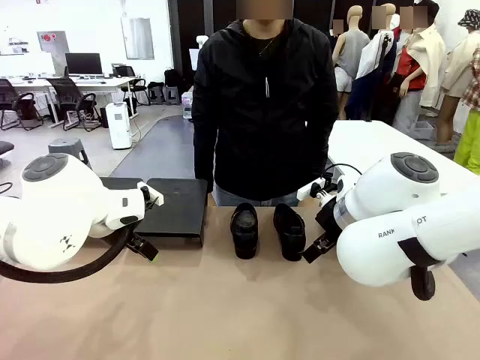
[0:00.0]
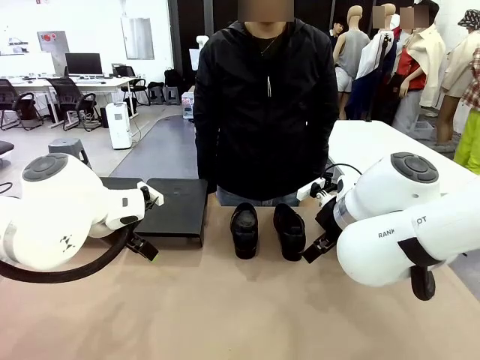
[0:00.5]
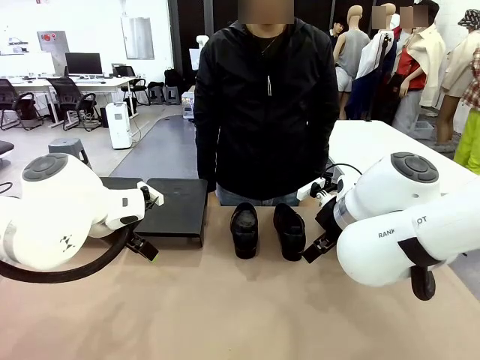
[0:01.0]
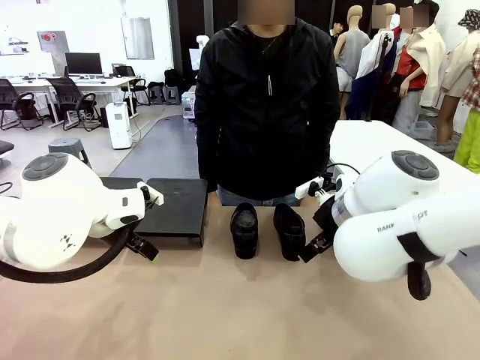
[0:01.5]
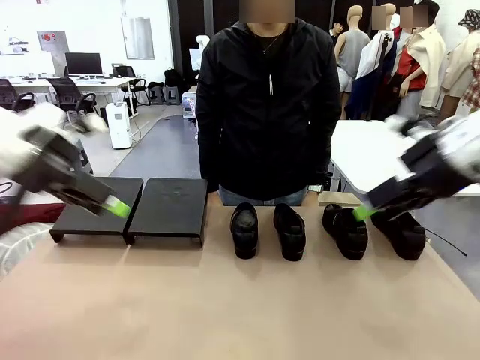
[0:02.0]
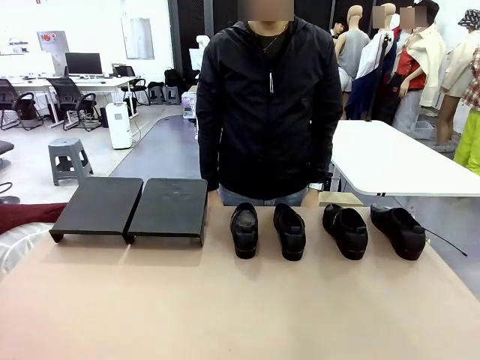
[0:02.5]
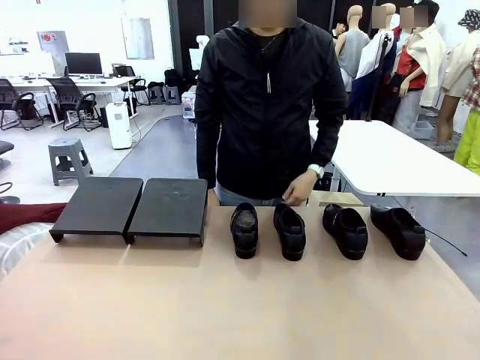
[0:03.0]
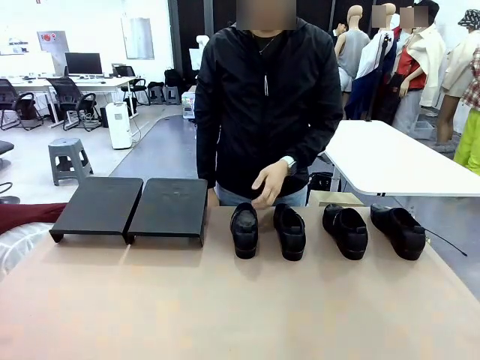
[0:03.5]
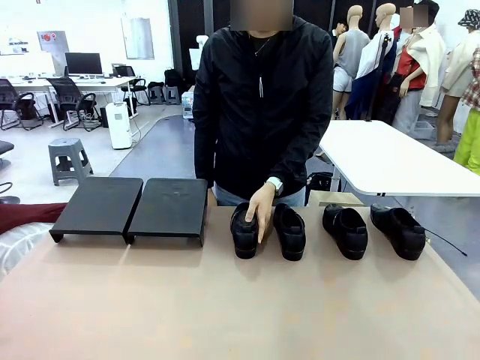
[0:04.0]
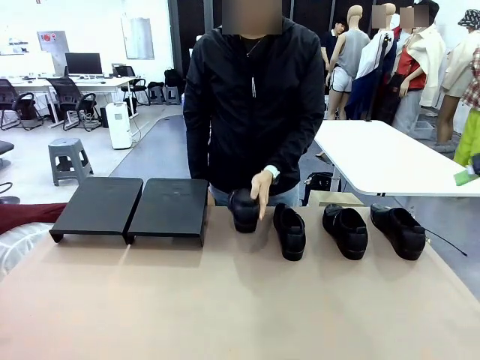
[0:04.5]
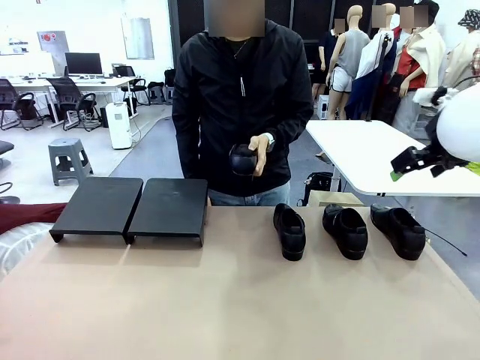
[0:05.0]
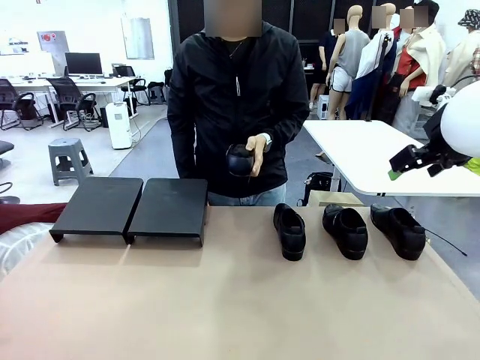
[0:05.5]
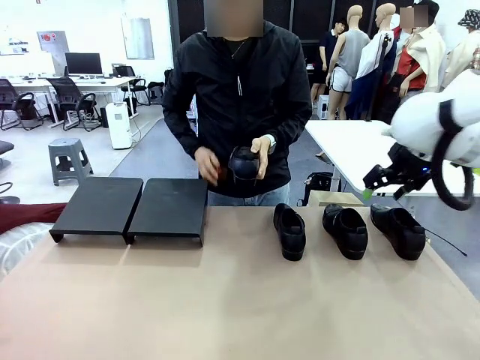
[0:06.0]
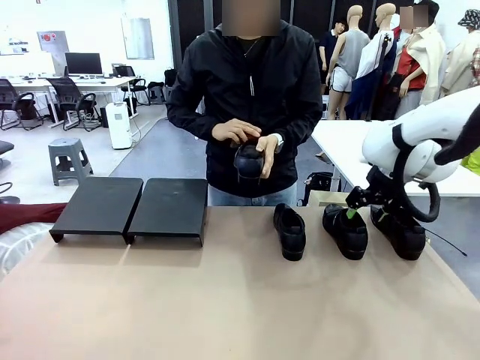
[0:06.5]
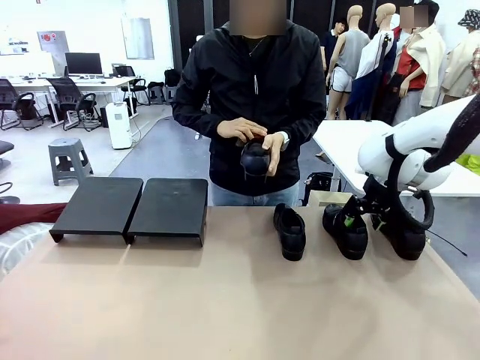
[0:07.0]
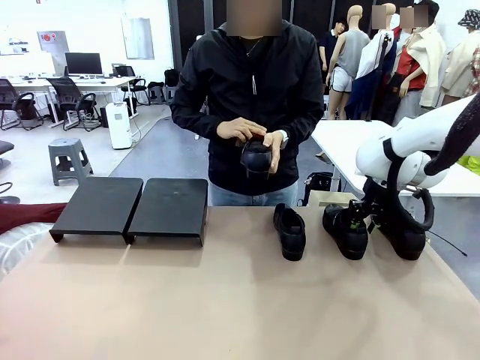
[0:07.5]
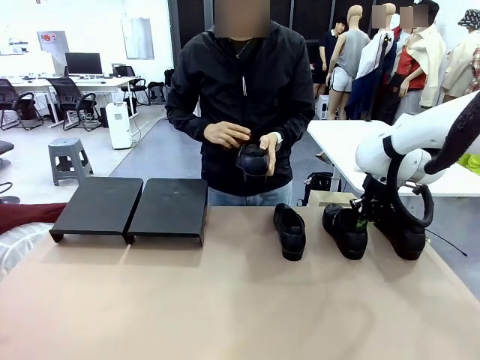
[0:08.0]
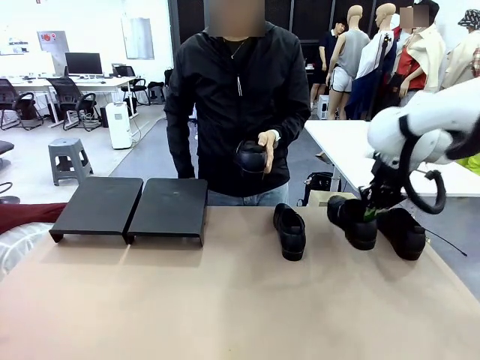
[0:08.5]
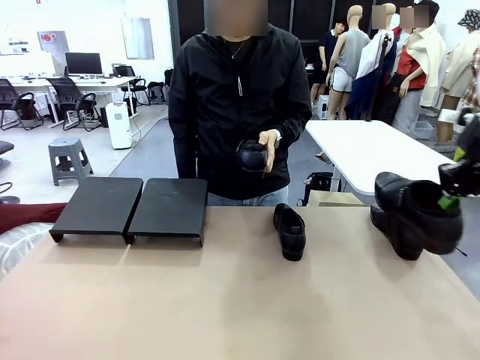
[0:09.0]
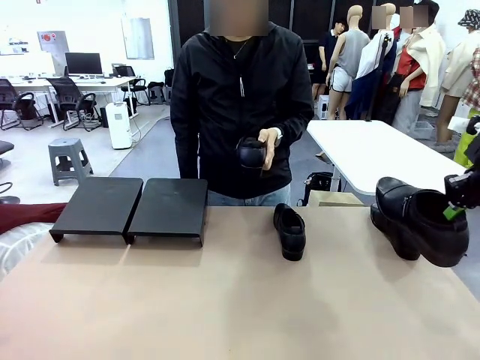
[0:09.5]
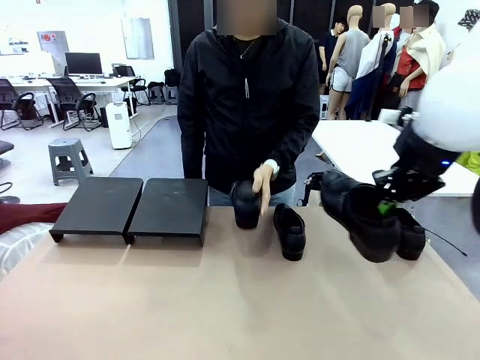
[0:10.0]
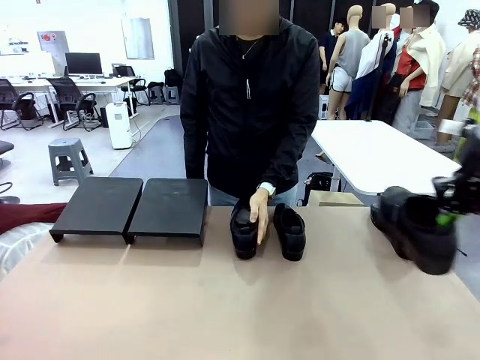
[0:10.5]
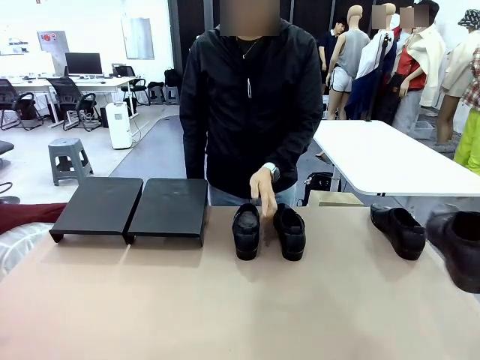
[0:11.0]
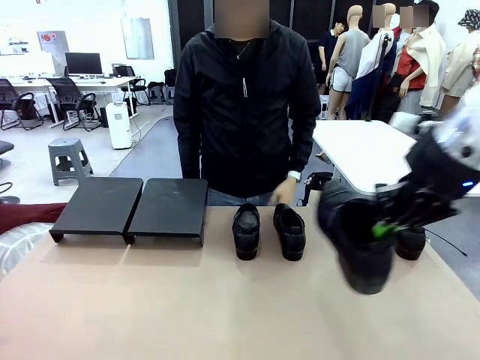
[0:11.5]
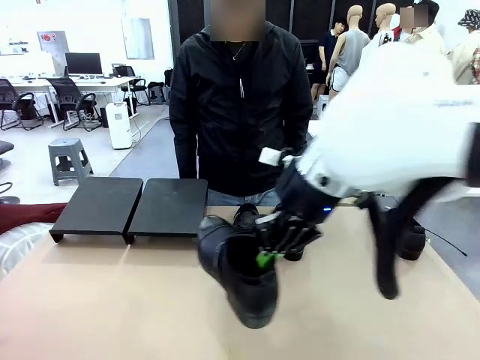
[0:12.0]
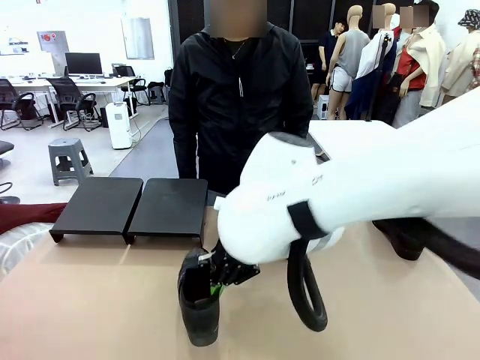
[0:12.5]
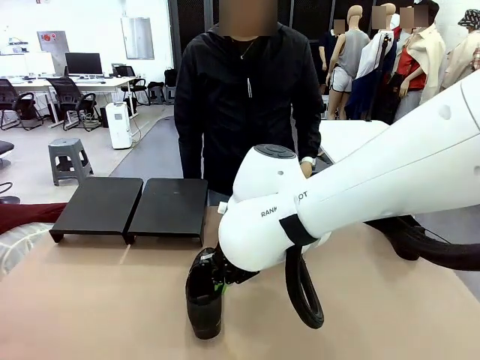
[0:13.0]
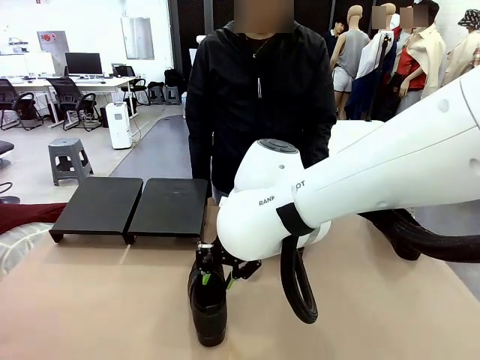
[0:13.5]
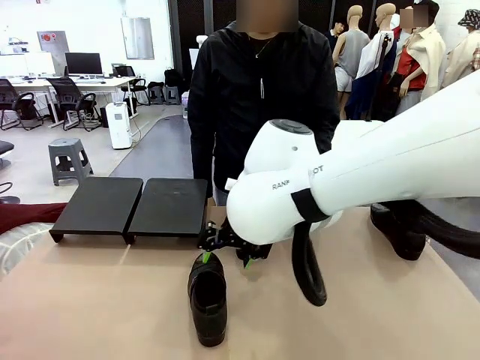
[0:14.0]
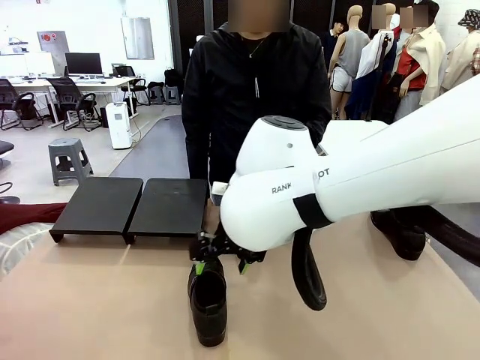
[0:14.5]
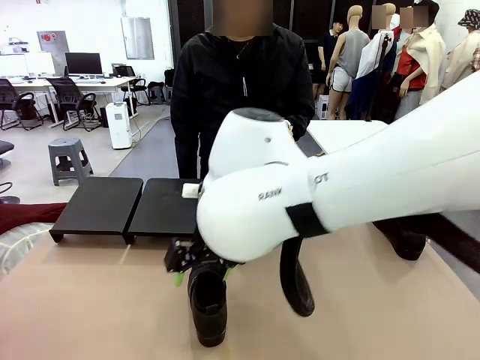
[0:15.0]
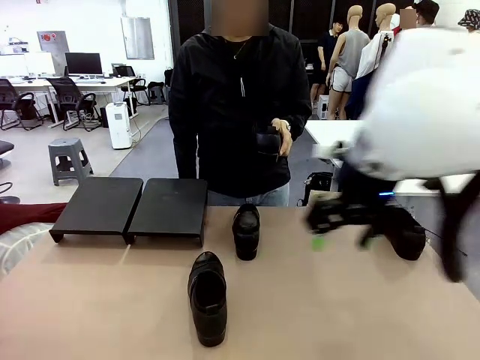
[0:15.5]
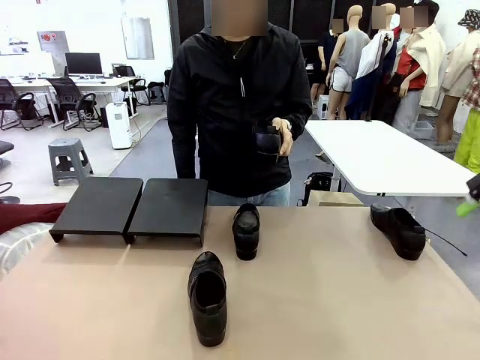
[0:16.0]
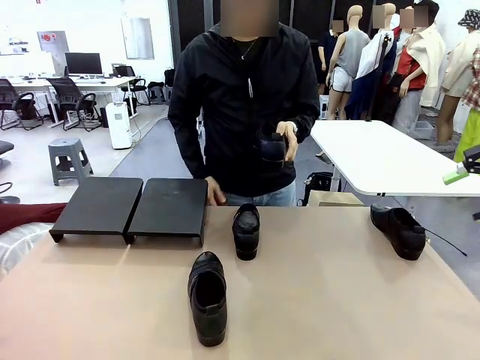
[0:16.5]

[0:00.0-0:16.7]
Task: Organize the shoes by placing them on the stand.
Robot: Pick up one Shoe and place it in the middle of the table.
Person: Pick one Shoe on Robot's table. Clean the Shoe with the Shoe Brush. Place the Shoe on left side of the Robot's table. Pick one Shoe on Robot's table.

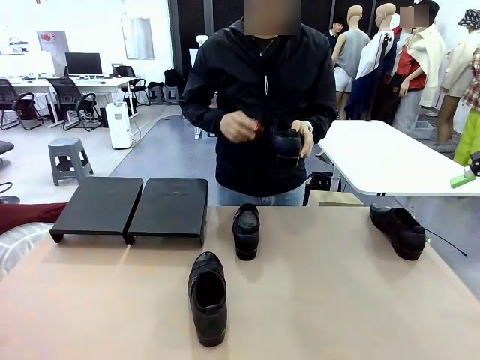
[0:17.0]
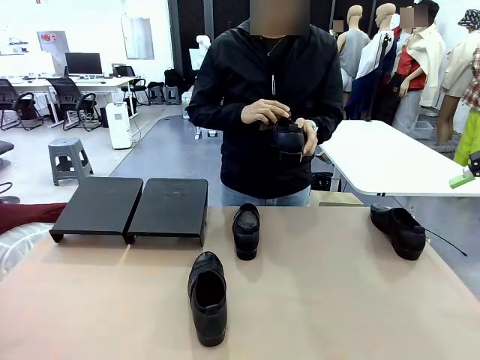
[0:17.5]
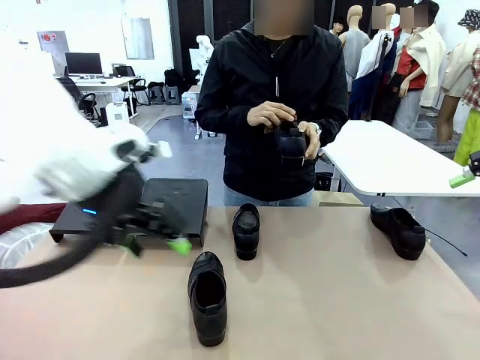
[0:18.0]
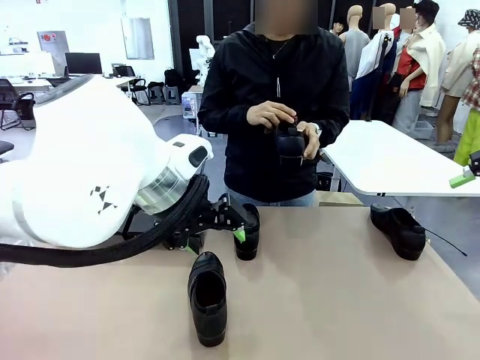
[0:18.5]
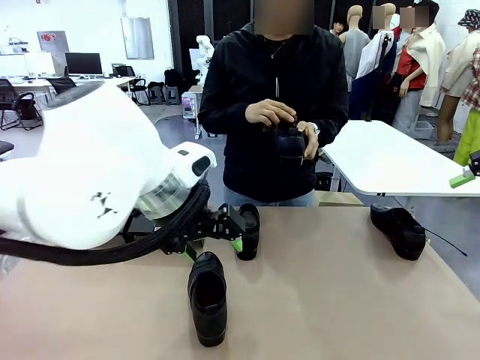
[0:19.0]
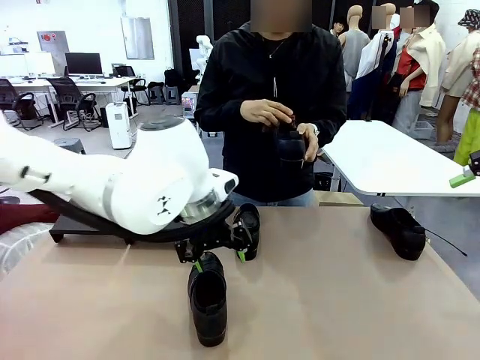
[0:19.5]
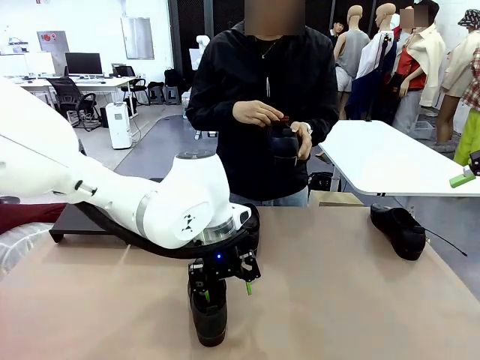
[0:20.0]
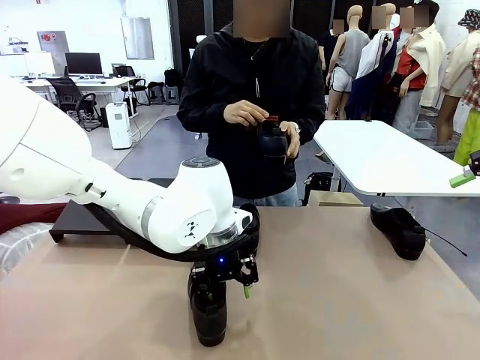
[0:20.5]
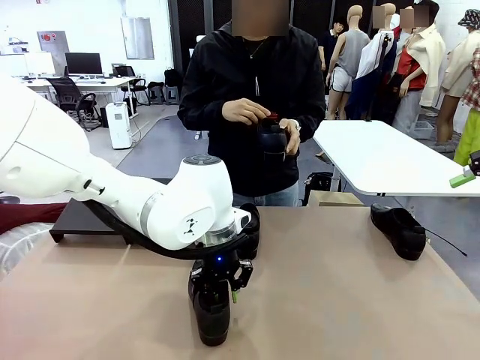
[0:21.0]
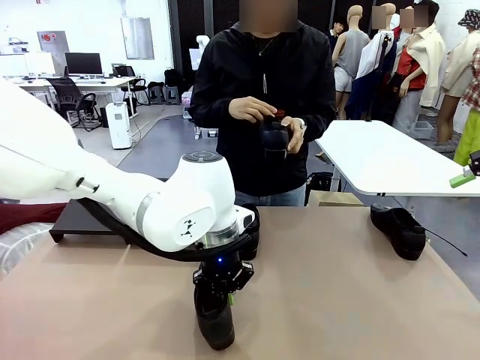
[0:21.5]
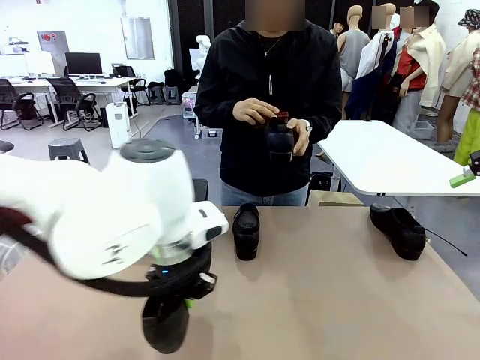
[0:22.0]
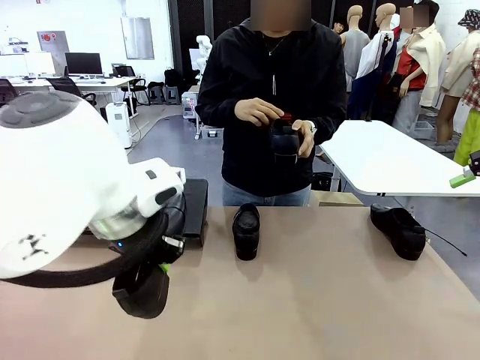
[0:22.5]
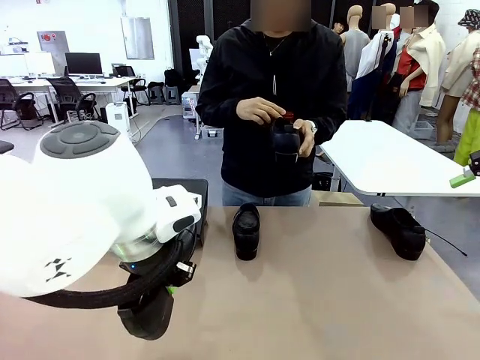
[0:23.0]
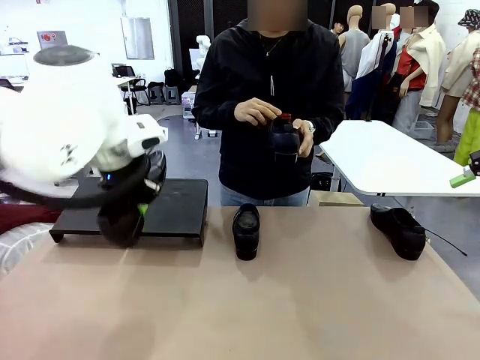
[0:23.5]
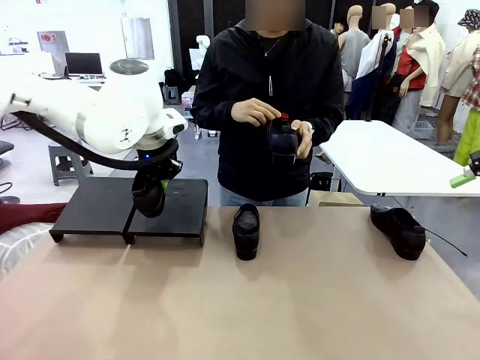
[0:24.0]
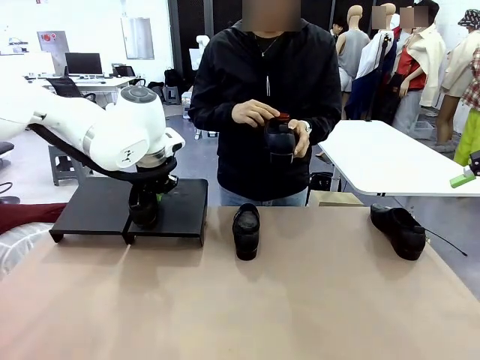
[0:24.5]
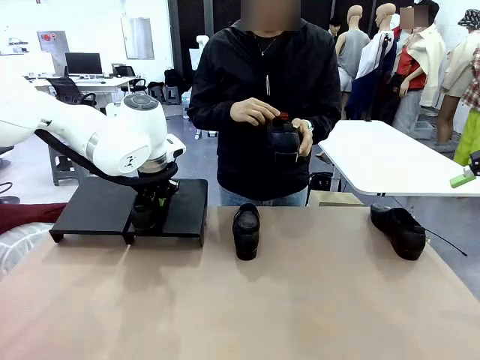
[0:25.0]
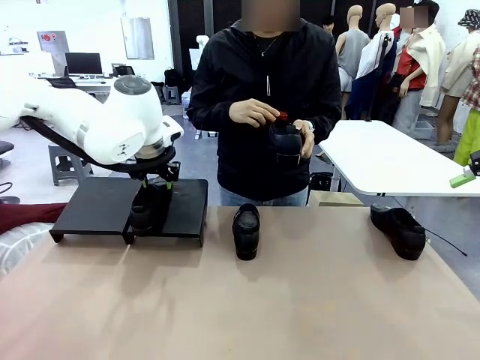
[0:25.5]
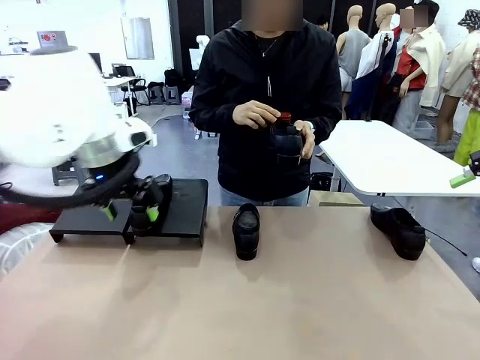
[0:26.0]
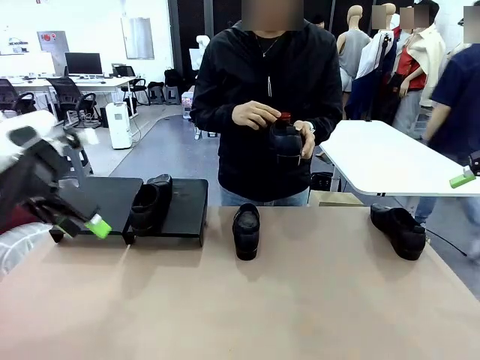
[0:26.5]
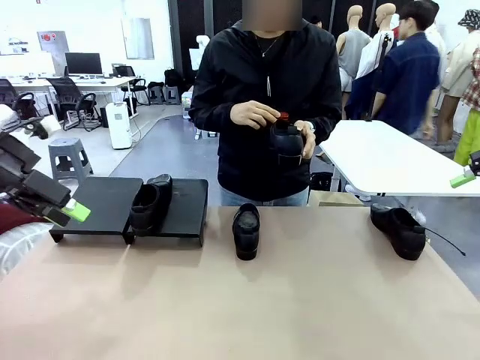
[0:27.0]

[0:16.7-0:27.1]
Robot: Place the Shoe from the middle of the table onto the Shoes Stand.
Person: Clean the Shoe with the Shoe Brush.
